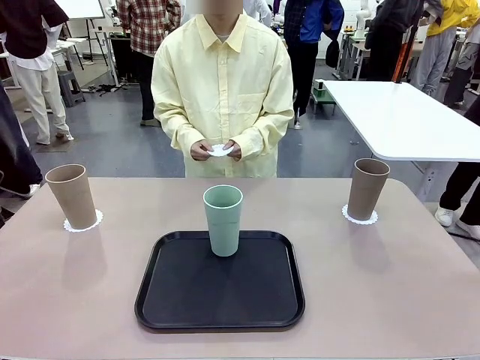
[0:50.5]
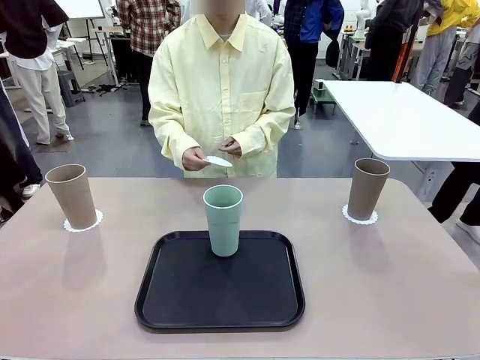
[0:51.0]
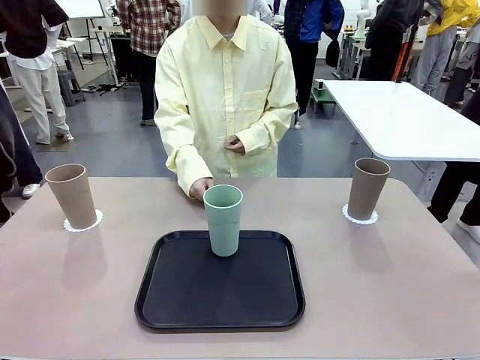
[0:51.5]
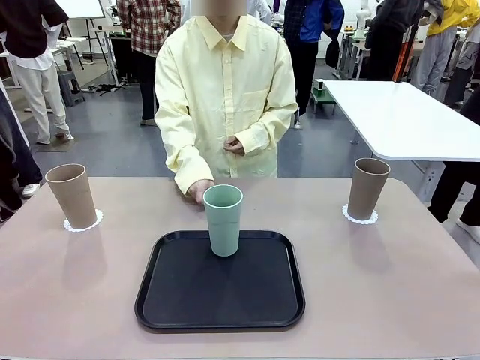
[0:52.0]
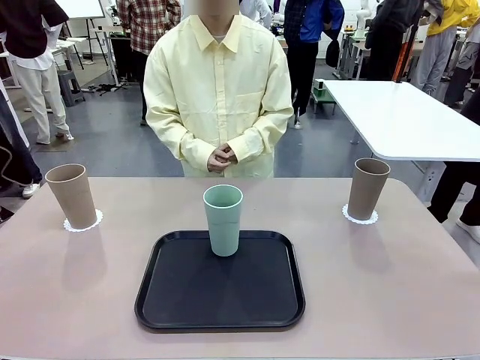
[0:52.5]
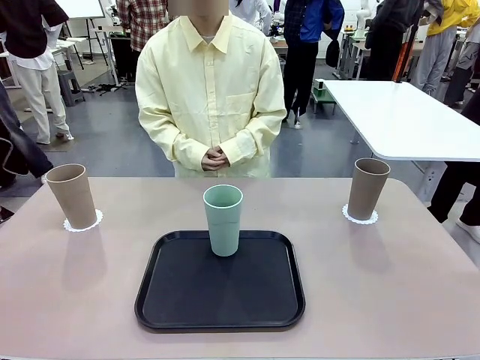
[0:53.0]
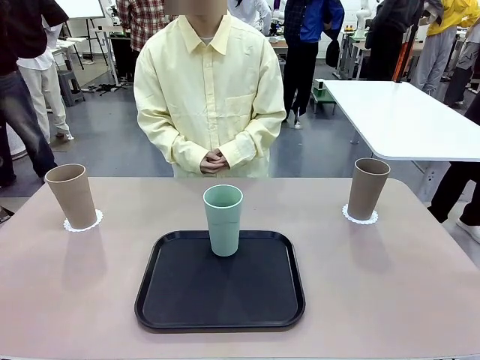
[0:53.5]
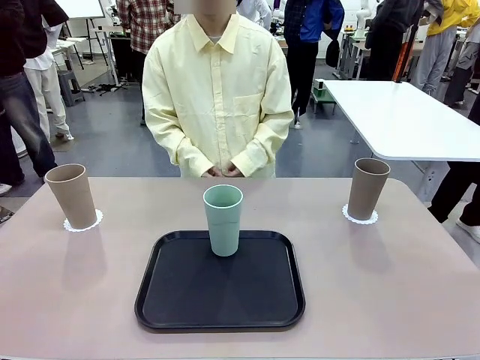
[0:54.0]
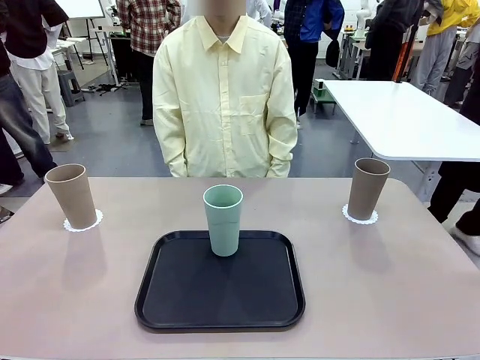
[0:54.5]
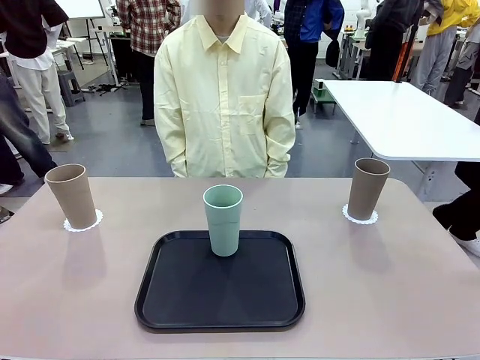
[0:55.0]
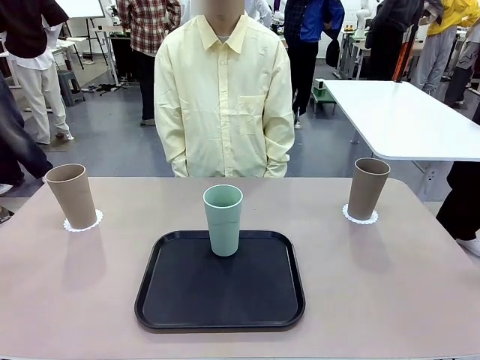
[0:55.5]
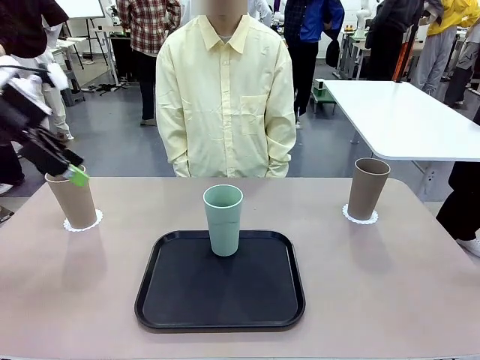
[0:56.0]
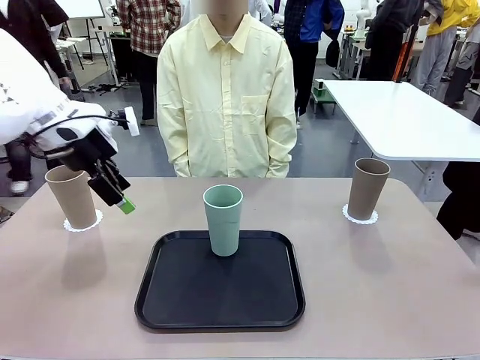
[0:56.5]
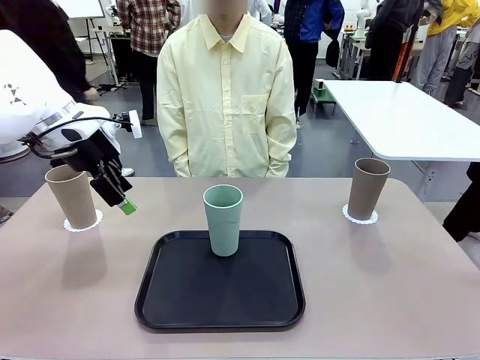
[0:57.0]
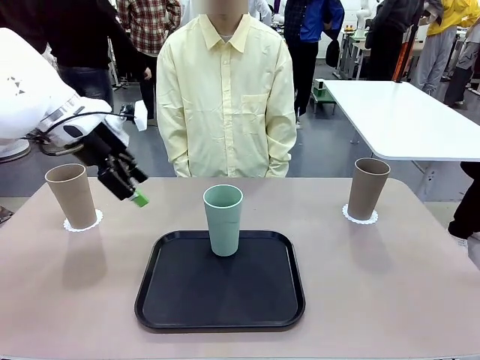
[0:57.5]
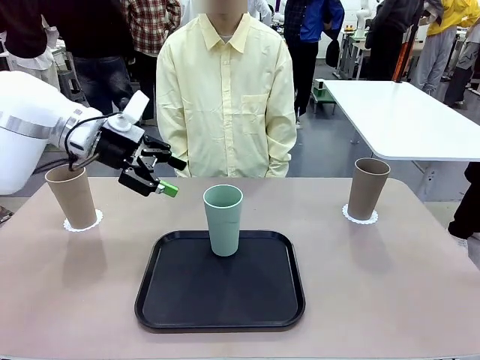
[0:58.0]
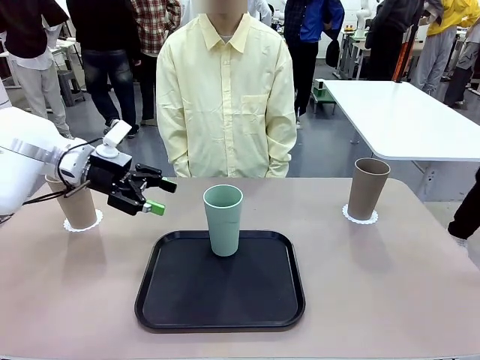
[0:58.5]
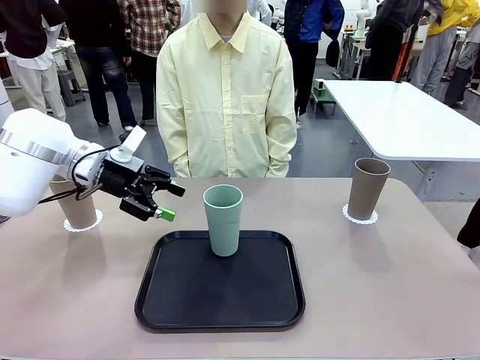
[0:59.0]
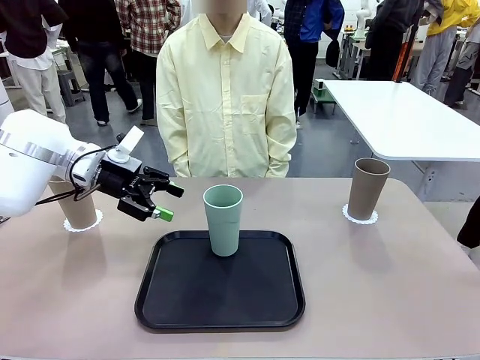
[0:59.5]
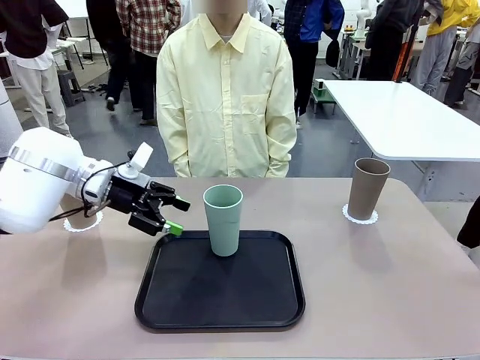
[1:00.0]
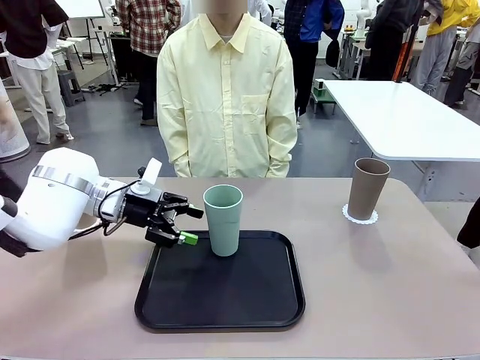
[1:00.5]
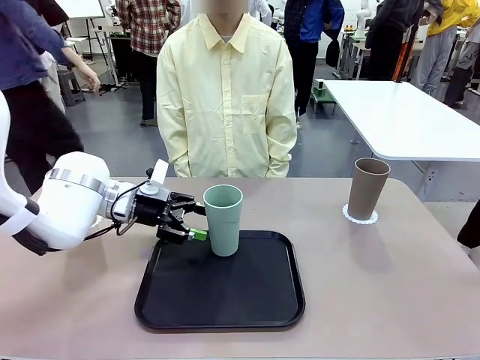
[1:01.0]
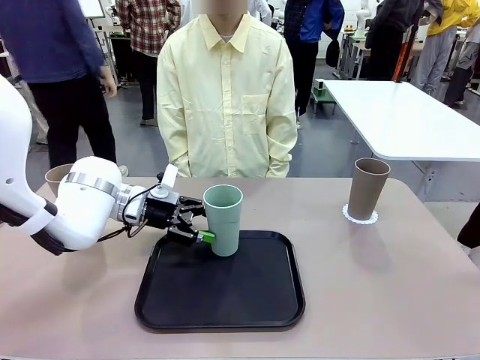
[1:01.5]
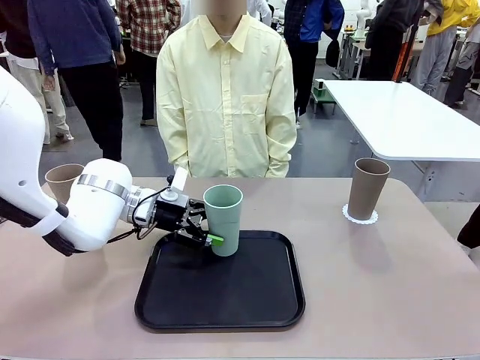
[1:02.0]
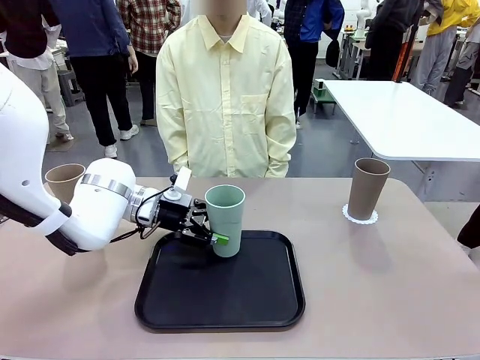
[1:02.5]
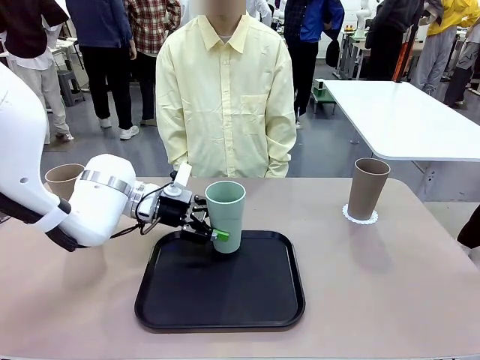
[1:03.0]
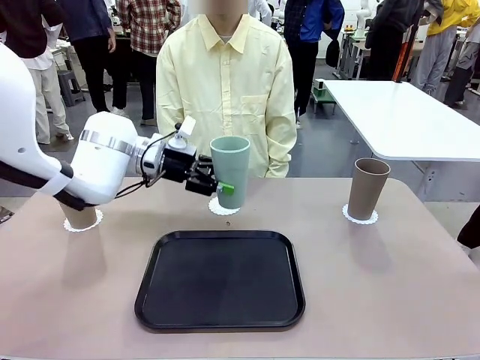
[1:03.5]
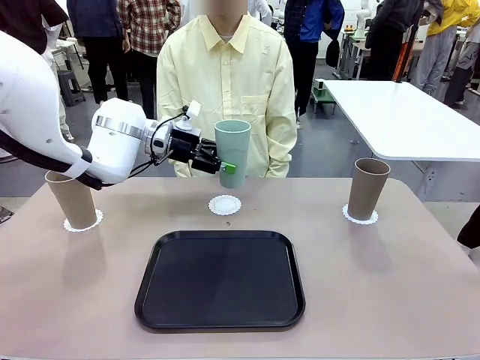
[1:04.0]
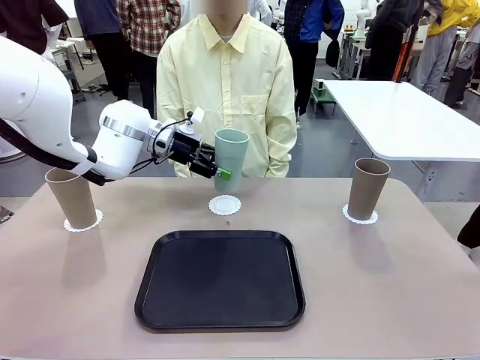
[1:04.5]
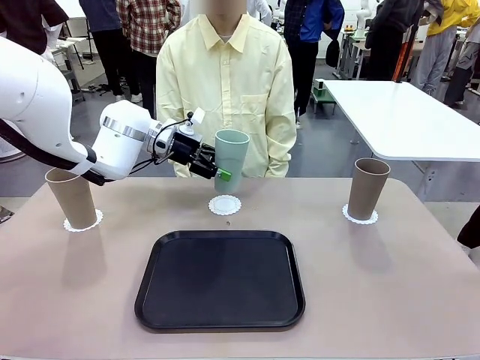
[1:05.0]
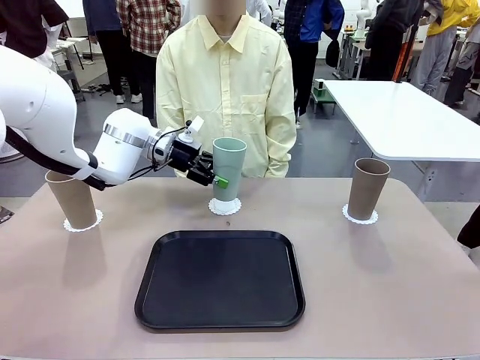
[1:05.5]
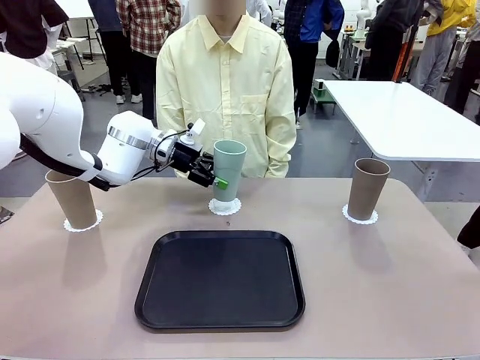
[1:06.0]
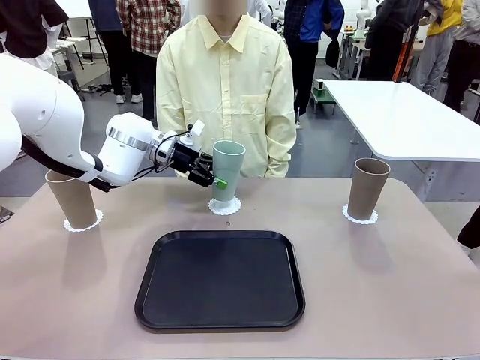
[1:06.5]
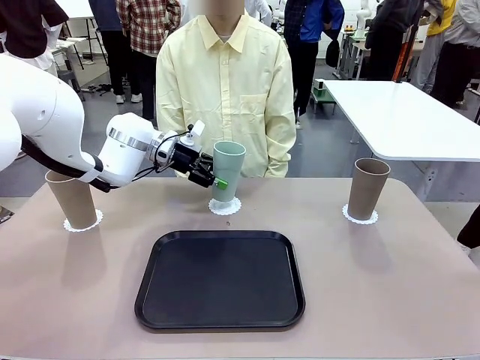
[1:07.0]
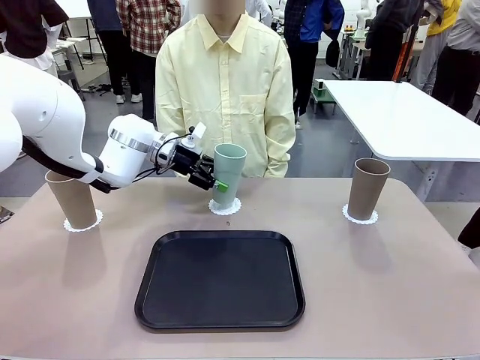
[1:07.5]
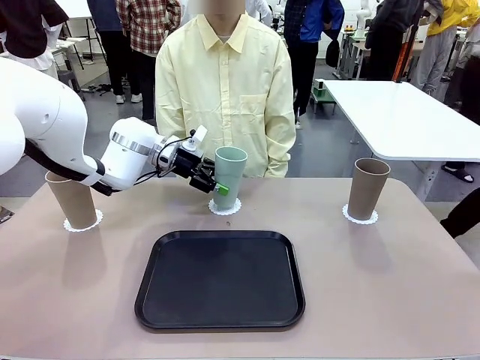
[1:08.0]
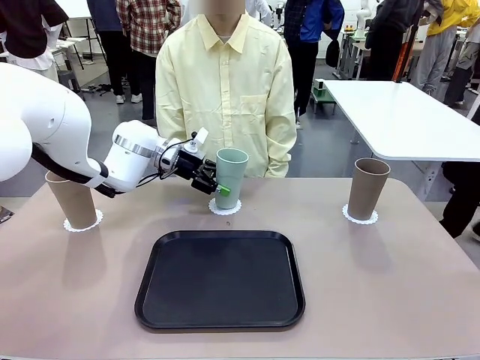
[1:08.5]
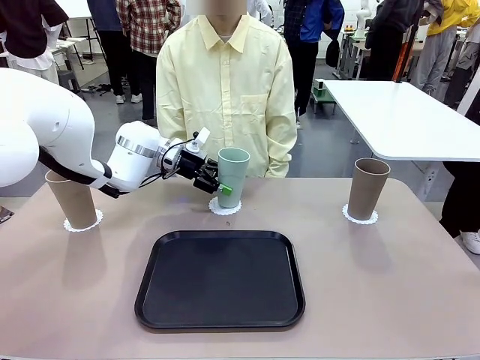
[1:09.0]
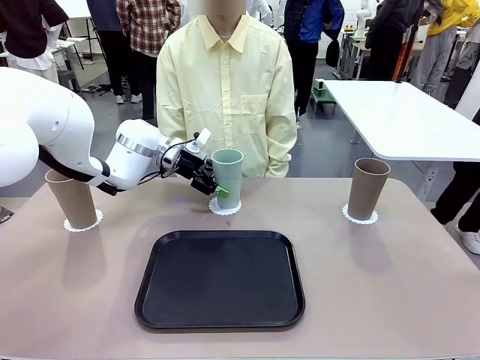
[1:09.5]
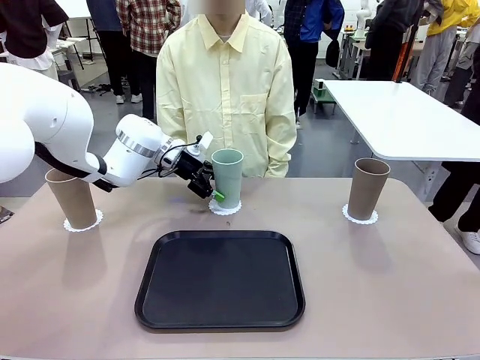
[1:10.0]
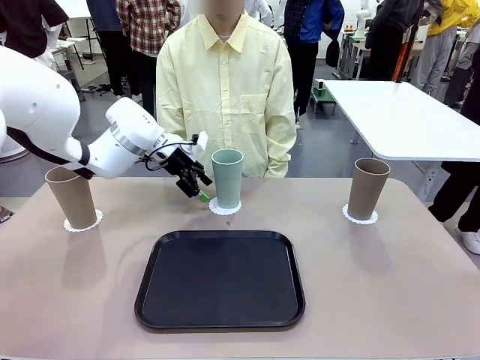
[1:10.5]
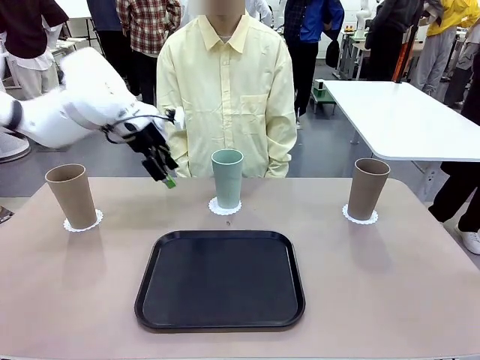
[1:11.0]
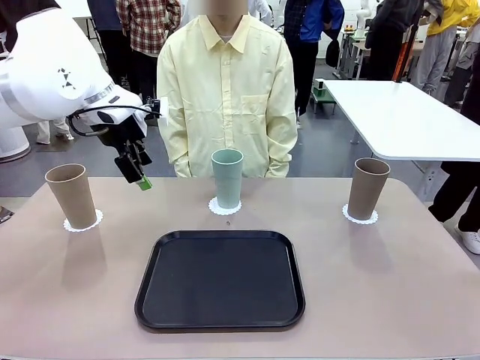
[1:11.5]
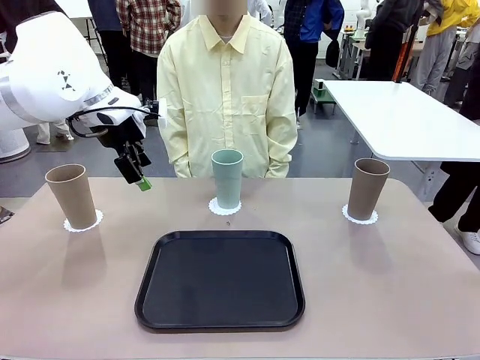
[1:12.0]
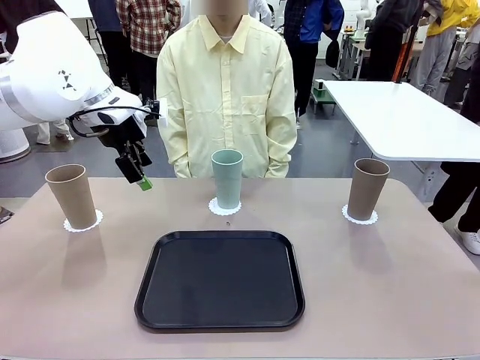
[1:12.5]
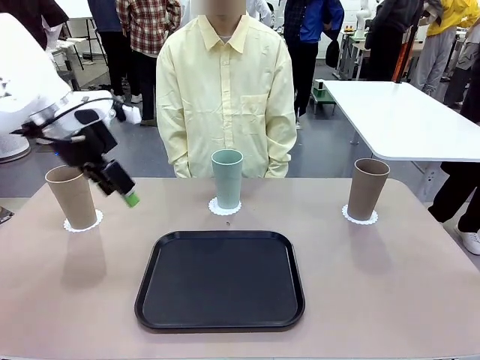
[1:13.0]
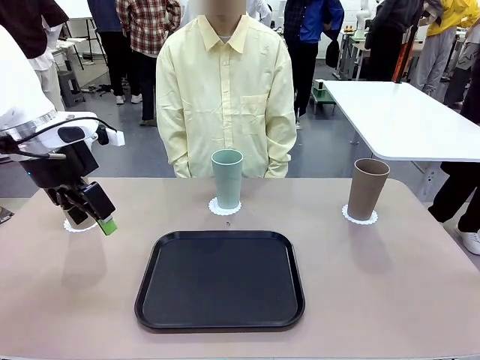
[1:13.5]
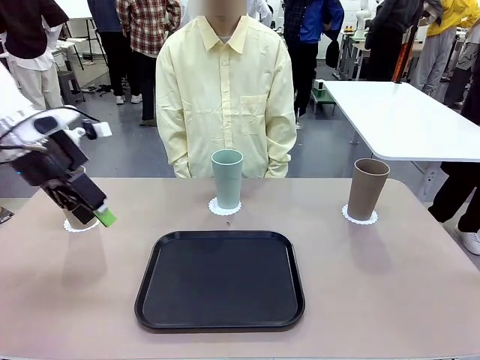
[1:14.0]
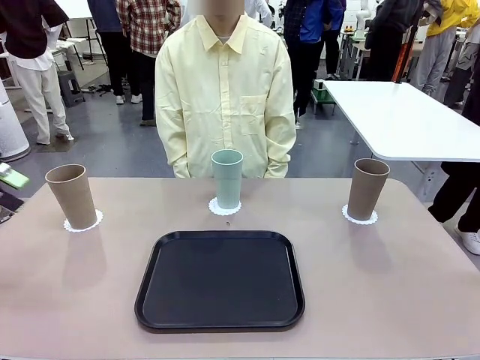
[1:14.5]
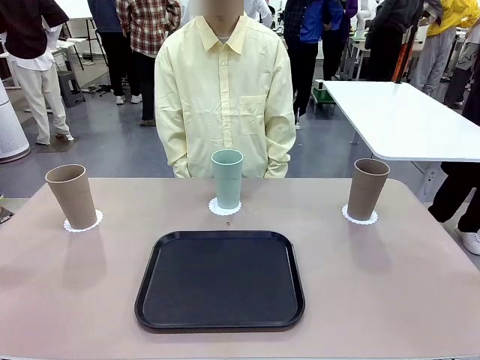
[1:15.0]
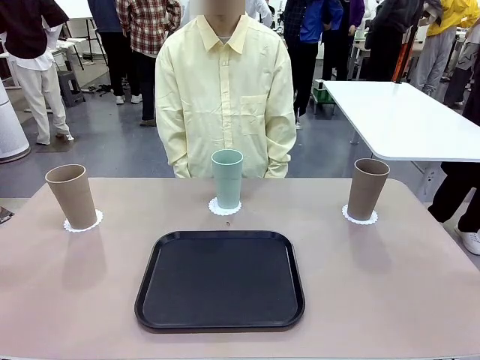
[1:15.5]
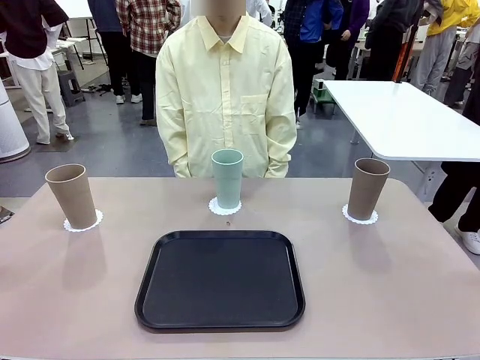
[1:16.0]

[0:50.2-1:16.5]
Task: Place coasters on the table and set cups on them.
Robot: Take one Reusable plastic cup from the Flat Tray and place it on a coaster set by the human.
Person: Place one coaster in the only remaining area.
